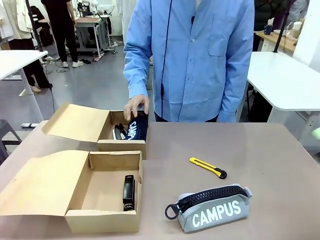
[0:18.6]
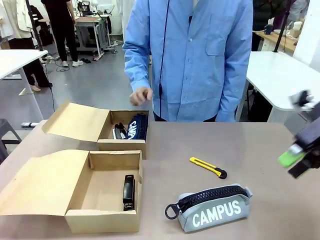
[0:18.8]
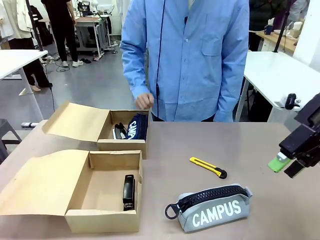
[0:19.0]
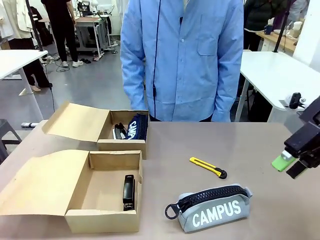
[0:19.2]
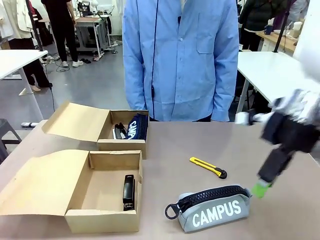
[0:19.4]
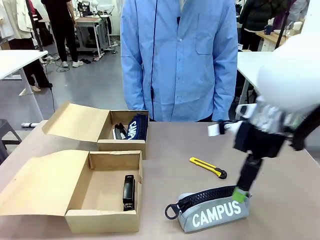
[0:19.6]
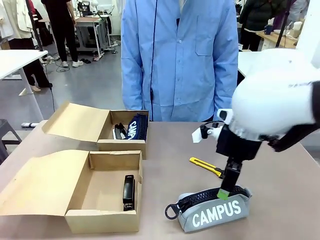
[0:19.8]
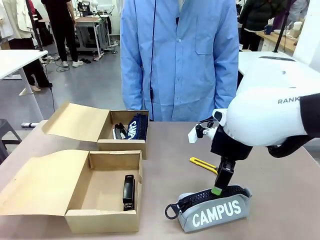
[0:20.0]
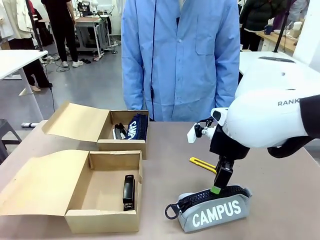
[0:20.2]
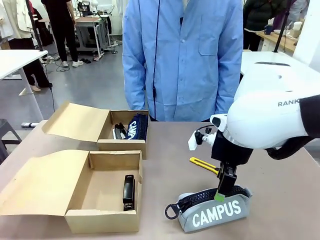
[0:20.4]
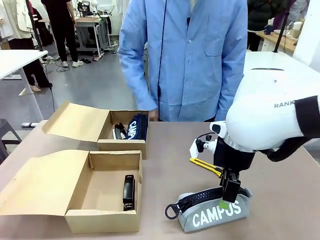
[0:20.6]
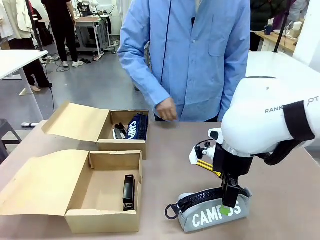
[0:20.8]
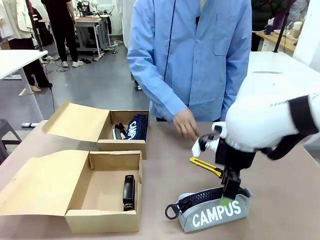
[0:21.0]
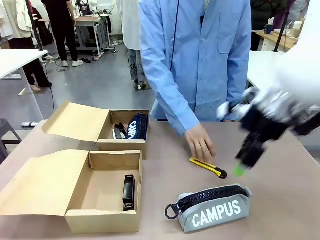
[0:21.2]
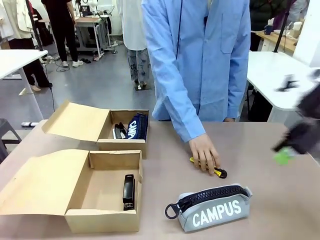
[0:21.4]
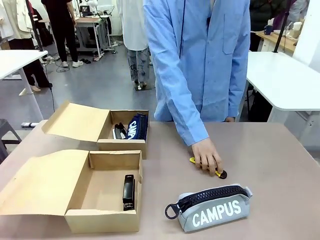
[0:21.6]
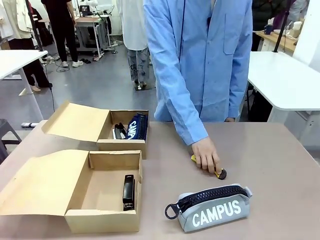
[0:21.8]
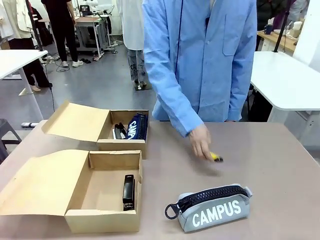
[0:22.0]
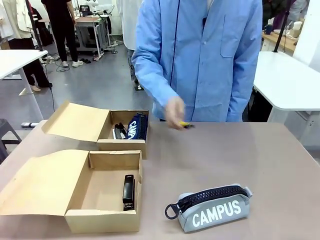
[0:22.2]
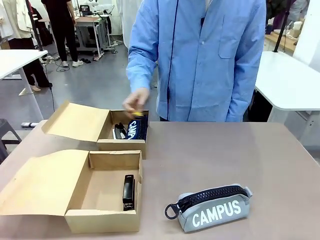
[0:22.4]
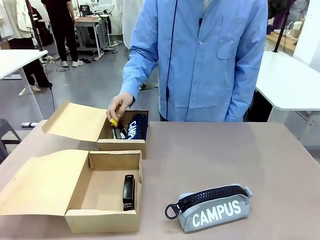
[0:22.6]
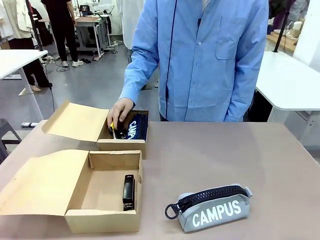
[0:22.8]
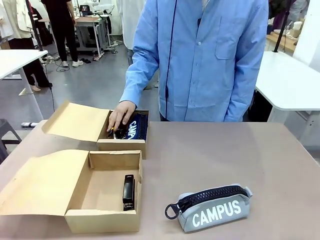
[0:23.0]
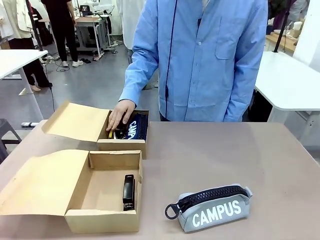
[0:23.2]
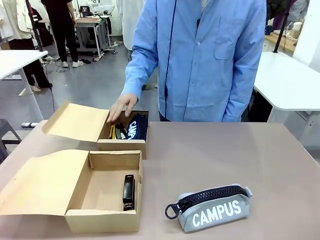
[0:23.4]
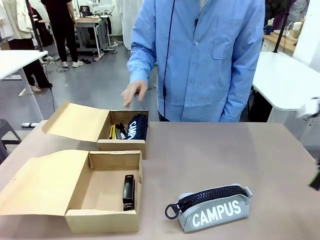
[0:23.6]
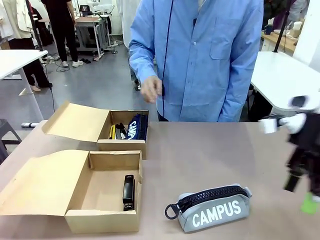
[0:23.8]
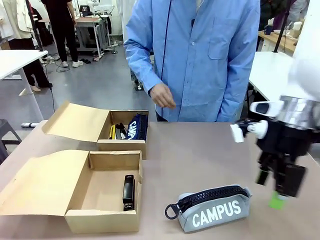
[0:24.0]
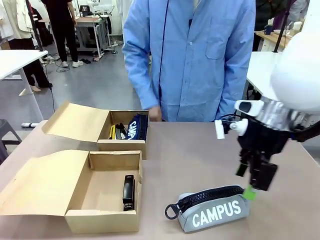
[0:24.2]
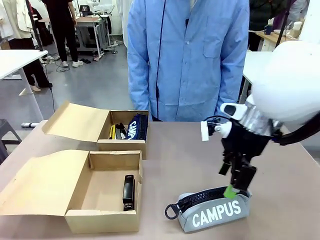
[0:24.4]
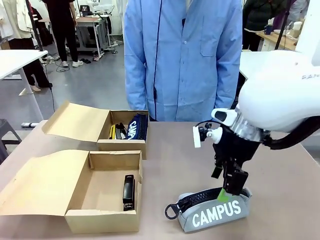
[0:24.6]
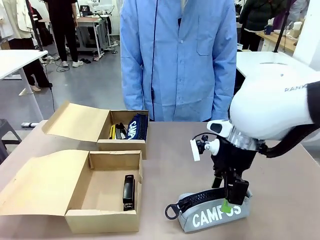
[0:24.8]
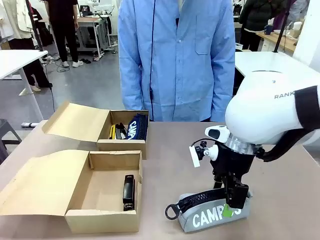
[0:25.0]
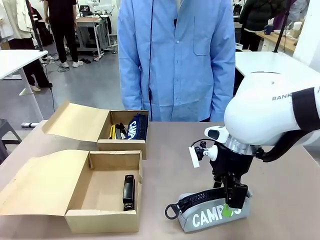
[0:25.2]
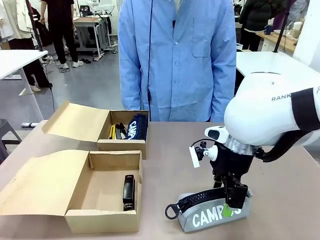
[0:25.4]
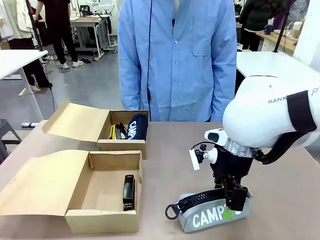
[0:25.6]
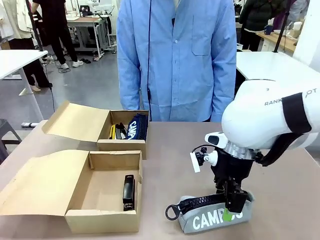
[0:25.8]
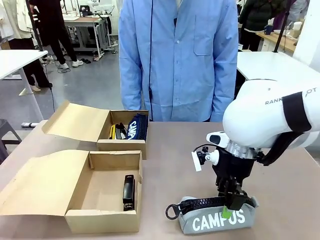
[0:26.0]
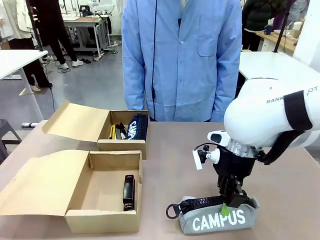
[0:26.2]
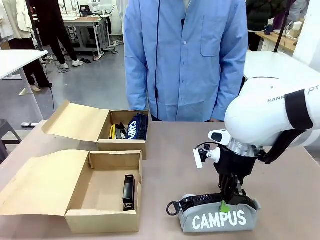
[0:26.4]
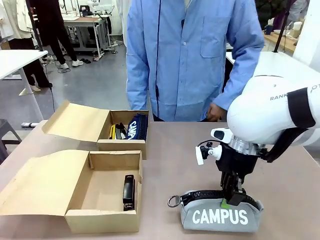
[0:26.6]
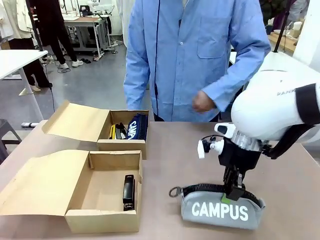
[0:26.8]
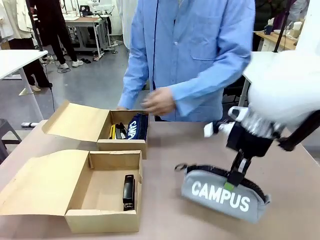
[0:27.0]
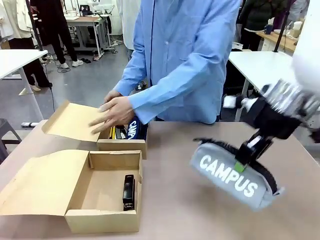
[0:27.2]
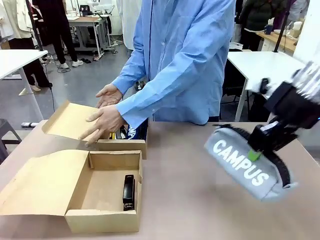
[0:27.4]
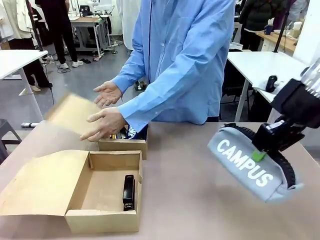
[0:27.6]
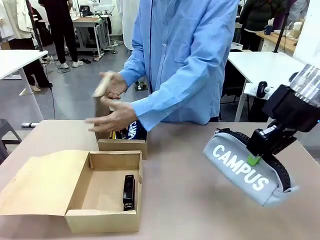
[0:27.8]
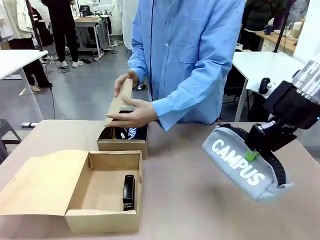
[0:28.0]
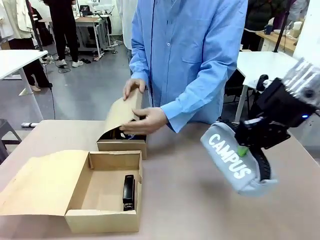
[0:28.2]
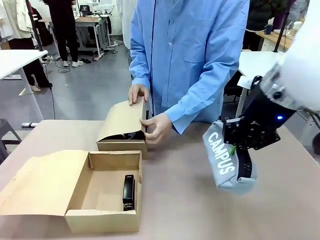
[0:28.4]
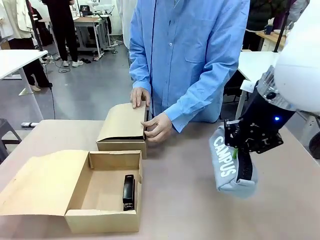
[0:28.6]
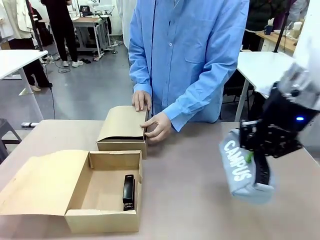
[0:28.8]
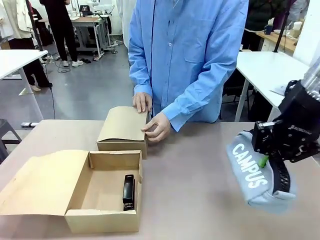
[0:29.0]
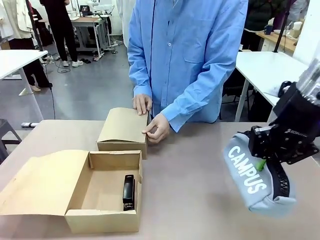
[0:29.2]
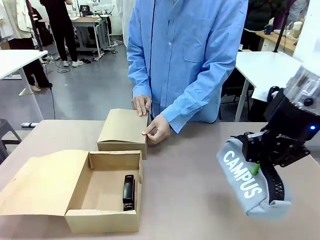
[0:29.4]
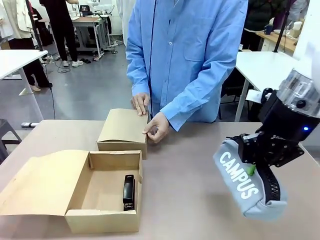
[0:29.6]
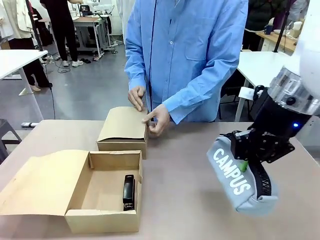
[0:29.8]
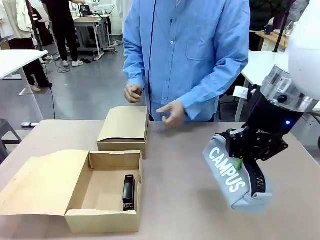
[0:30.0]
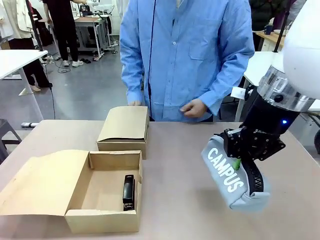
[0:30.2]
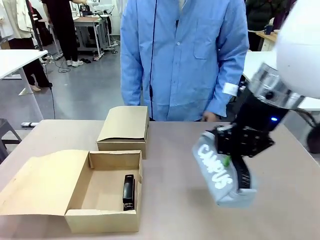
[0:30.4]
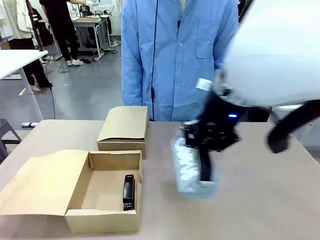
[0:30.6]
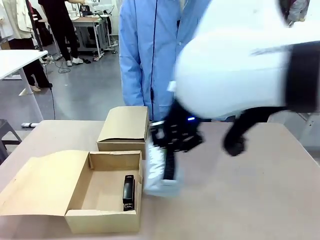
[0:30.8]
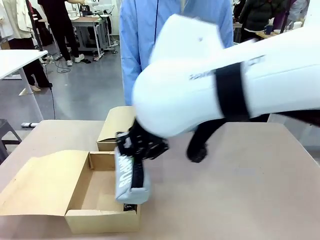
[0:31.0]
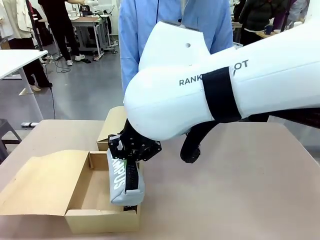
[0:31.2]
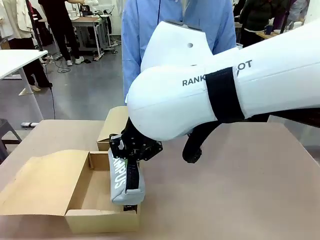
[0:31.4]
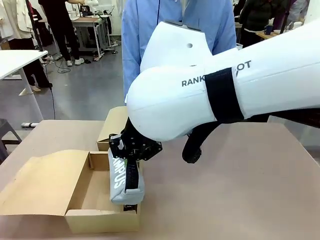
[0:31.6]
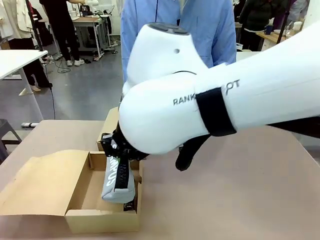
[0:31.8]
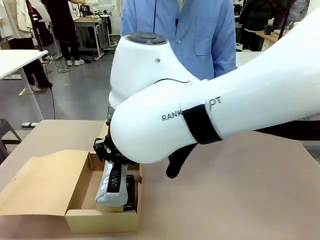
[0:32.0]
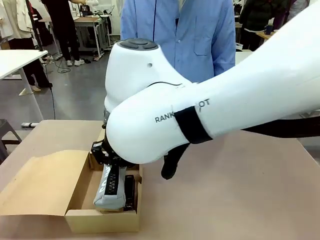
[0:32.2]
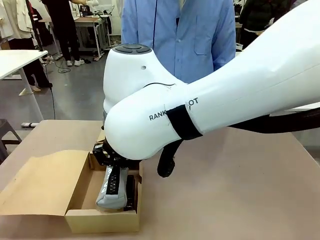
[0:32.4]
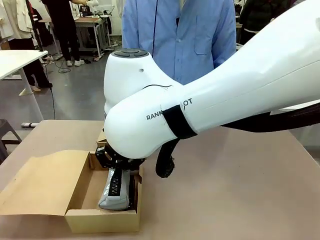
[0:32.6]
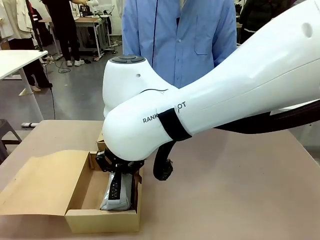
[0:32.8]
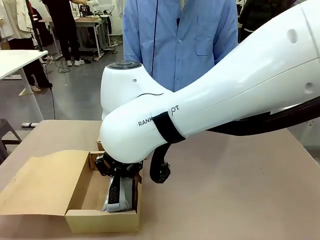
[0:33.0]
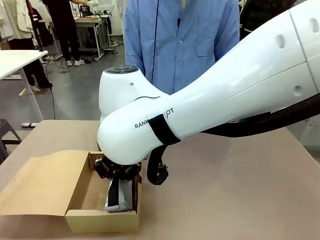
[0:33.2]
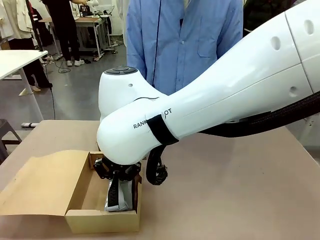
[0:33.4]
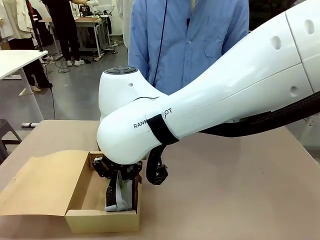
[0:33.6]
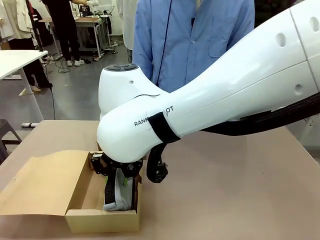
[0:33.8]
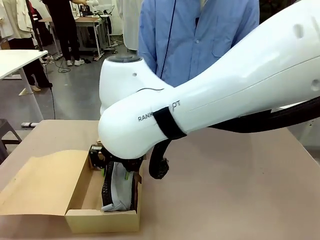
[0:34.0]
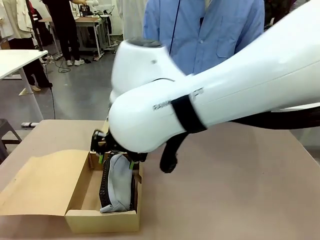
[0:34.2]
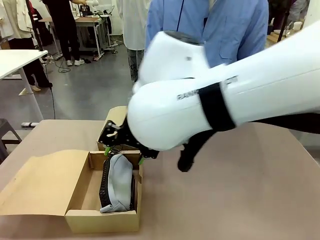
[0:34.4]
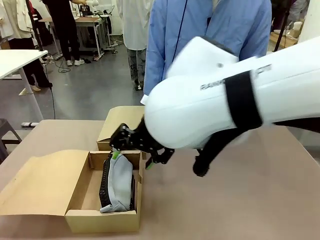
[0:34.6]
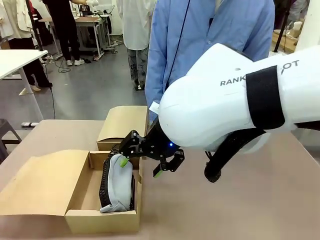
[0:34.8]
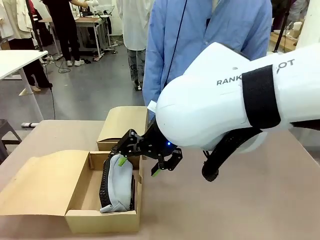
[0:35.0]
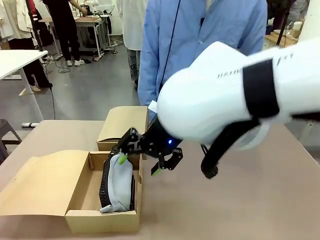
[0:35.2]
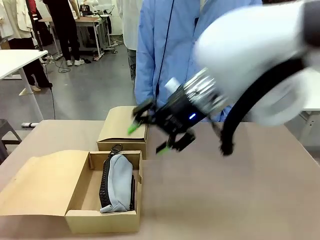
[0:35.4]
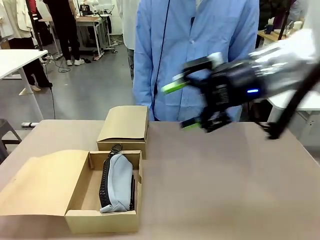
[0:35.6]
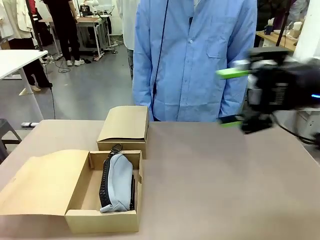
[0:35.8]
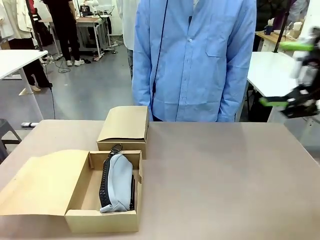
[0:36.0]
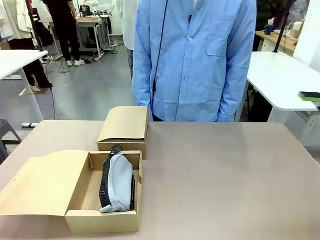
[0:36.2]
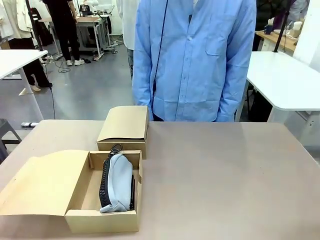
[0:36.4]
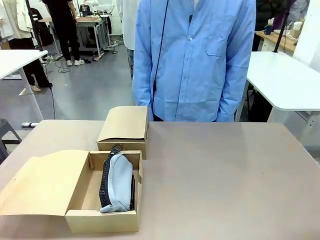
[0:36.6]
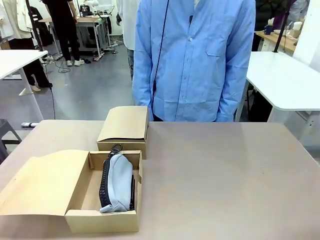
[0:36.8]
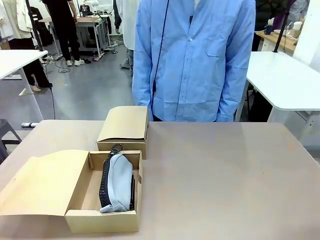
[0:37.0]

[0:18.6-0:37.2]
Task: Place items inside the box.
Robot: Pick up a Pencil pouch or Stapler and place it inside the Mailer Box closest to the robot.
Person: Close the lid of the box facing the person.
